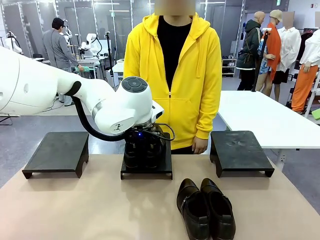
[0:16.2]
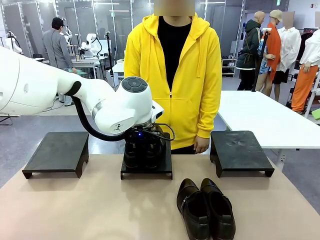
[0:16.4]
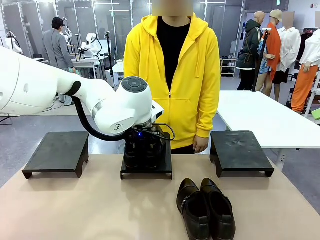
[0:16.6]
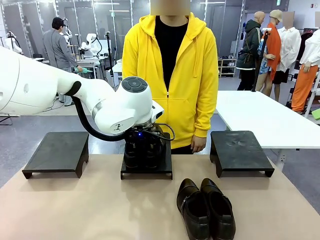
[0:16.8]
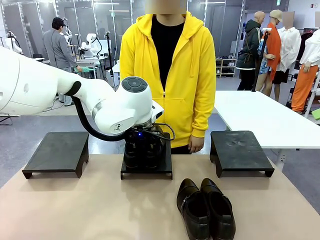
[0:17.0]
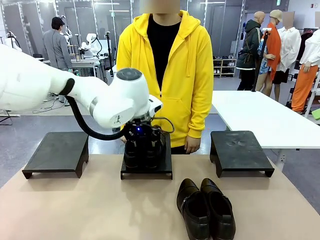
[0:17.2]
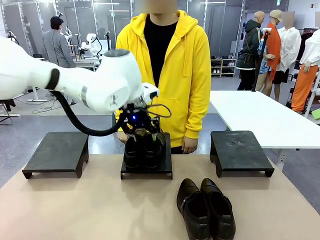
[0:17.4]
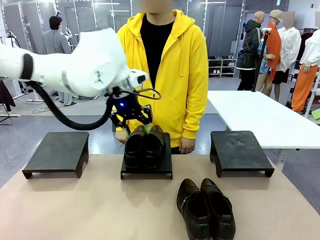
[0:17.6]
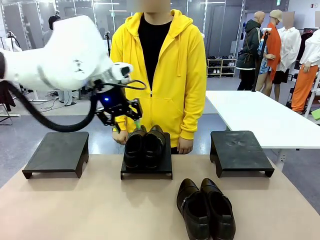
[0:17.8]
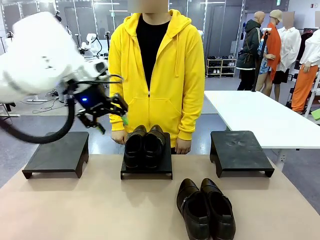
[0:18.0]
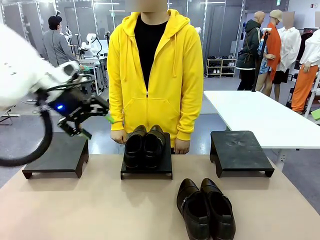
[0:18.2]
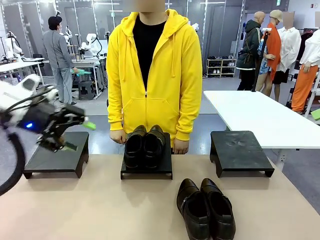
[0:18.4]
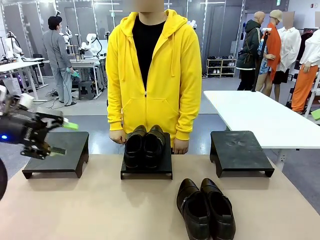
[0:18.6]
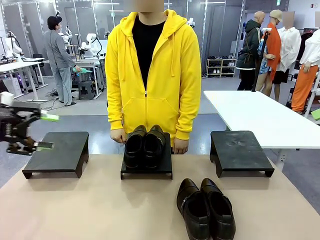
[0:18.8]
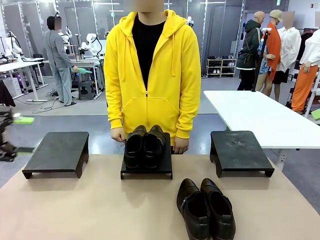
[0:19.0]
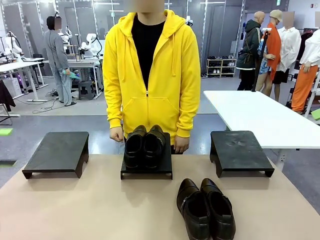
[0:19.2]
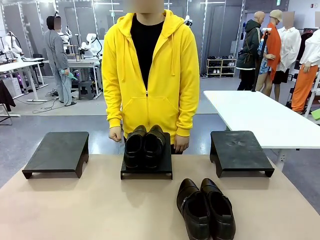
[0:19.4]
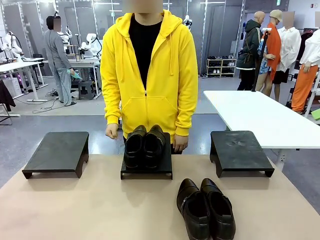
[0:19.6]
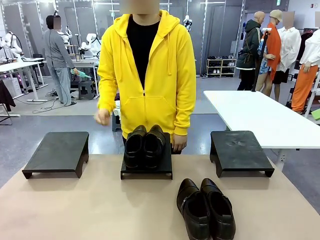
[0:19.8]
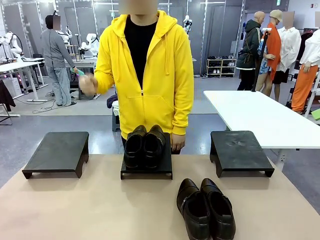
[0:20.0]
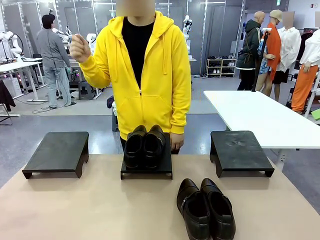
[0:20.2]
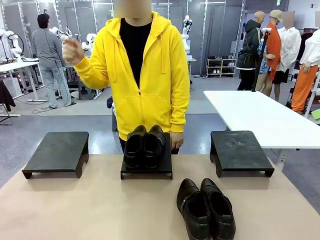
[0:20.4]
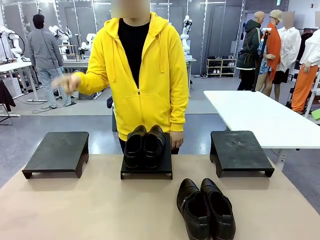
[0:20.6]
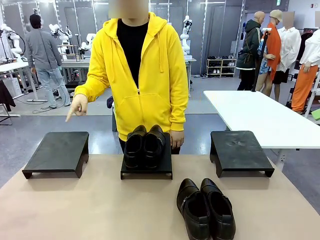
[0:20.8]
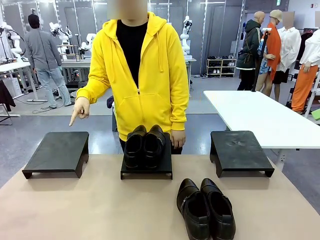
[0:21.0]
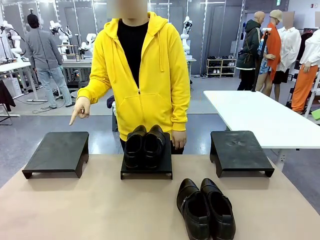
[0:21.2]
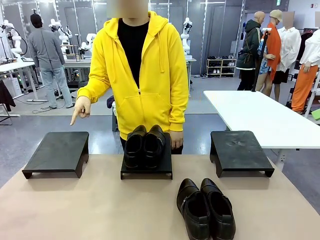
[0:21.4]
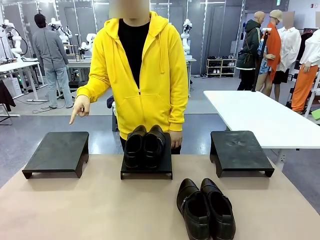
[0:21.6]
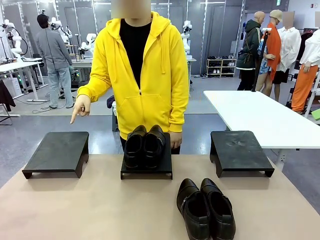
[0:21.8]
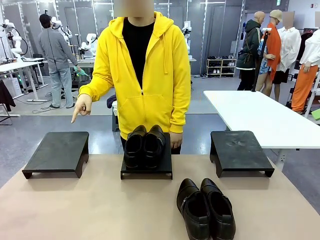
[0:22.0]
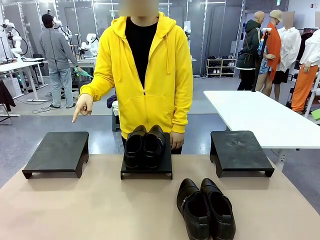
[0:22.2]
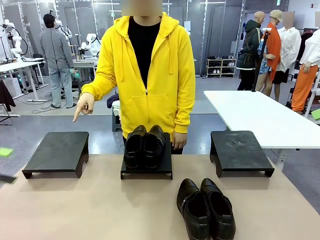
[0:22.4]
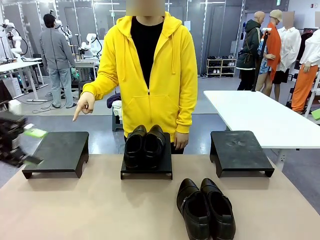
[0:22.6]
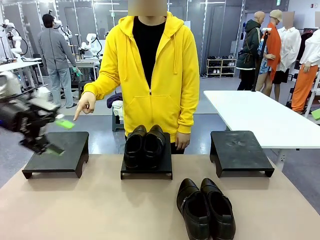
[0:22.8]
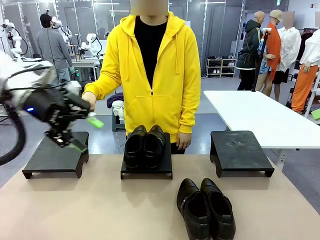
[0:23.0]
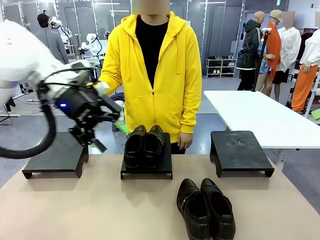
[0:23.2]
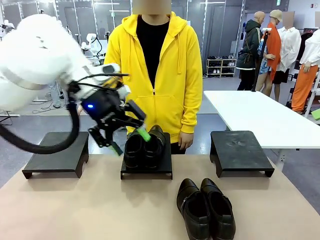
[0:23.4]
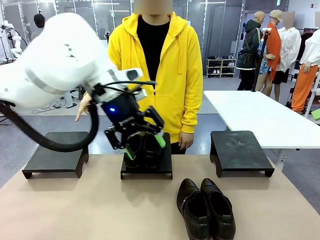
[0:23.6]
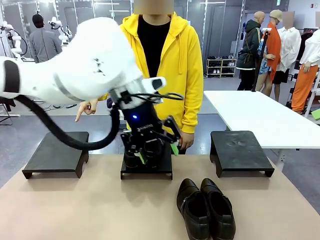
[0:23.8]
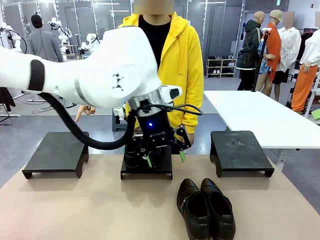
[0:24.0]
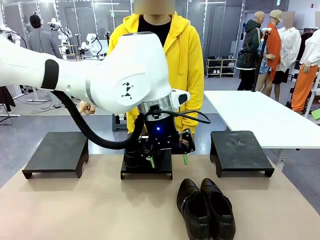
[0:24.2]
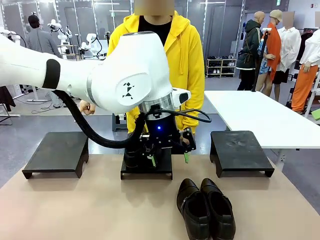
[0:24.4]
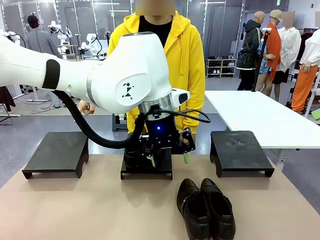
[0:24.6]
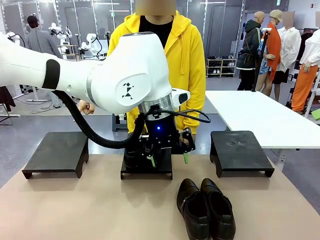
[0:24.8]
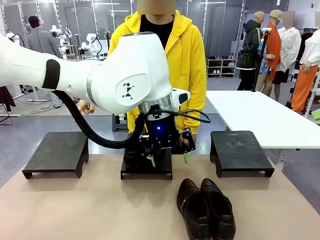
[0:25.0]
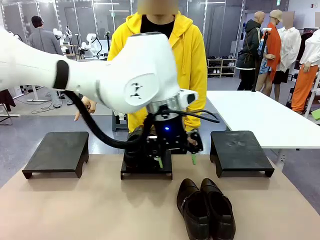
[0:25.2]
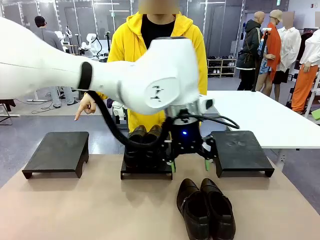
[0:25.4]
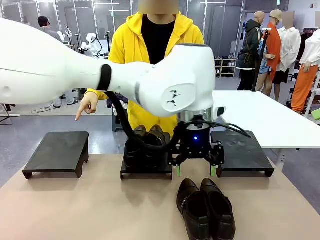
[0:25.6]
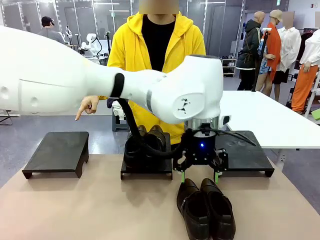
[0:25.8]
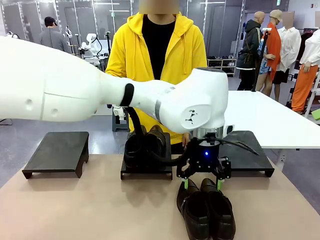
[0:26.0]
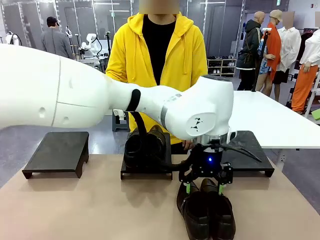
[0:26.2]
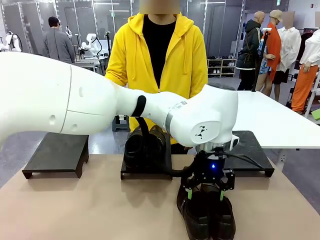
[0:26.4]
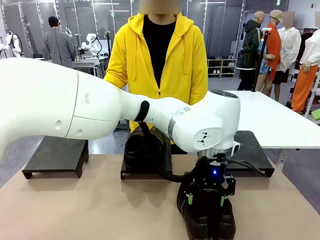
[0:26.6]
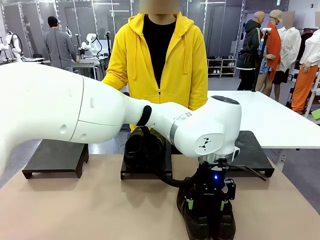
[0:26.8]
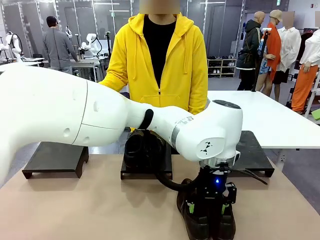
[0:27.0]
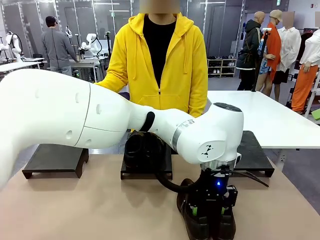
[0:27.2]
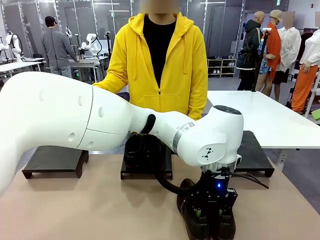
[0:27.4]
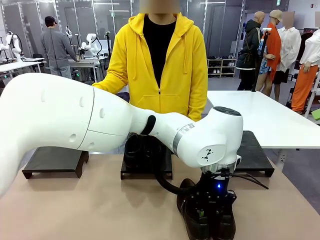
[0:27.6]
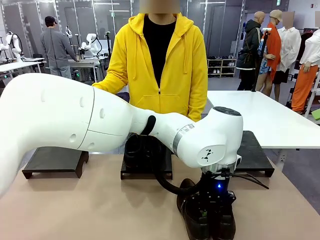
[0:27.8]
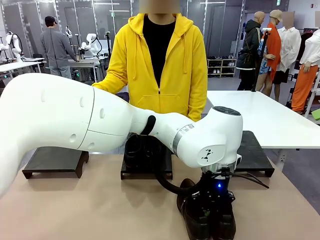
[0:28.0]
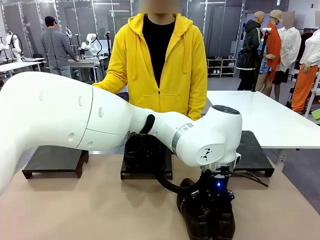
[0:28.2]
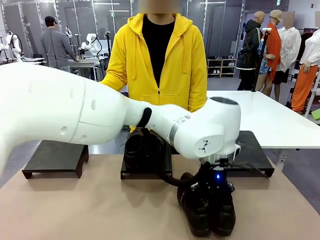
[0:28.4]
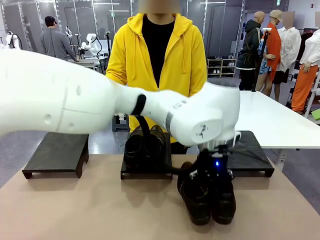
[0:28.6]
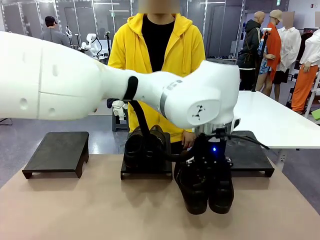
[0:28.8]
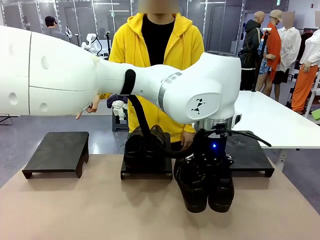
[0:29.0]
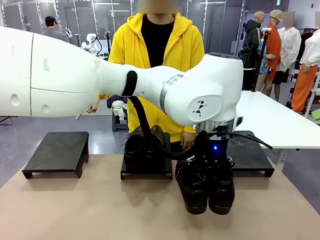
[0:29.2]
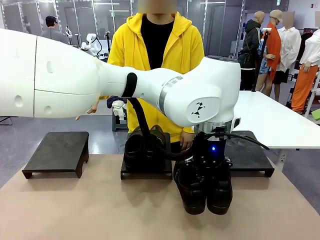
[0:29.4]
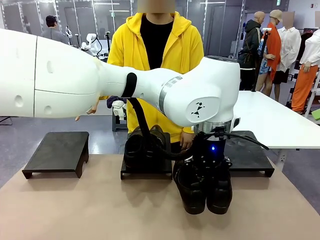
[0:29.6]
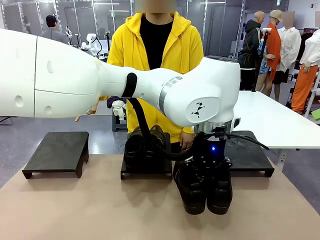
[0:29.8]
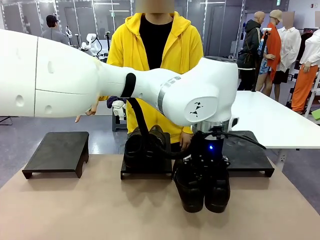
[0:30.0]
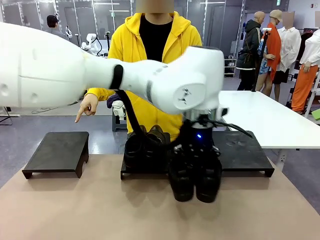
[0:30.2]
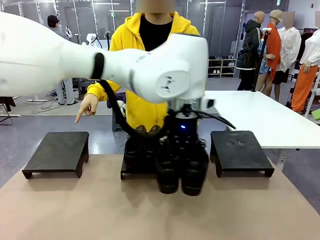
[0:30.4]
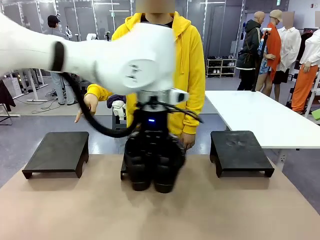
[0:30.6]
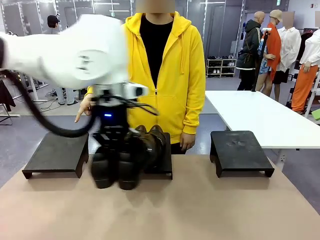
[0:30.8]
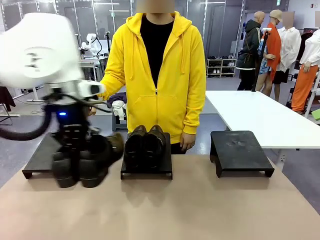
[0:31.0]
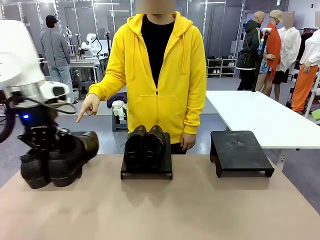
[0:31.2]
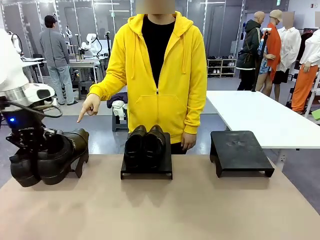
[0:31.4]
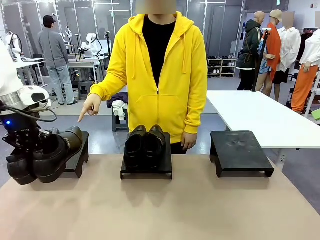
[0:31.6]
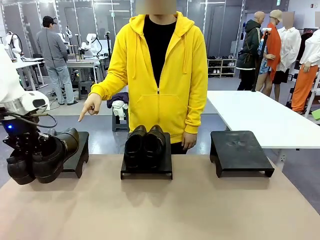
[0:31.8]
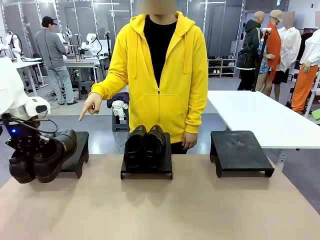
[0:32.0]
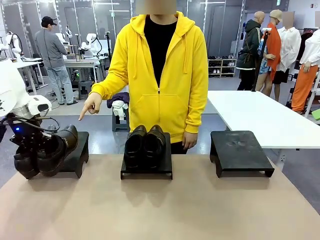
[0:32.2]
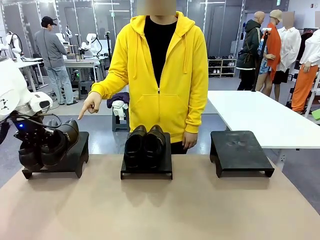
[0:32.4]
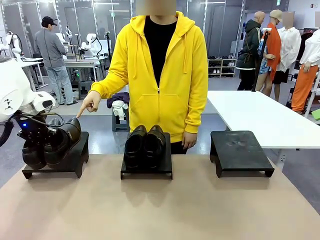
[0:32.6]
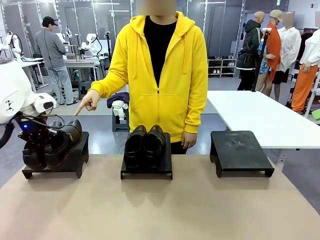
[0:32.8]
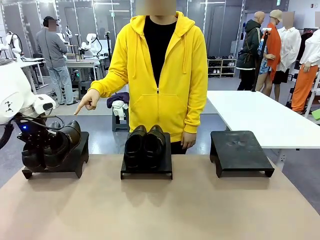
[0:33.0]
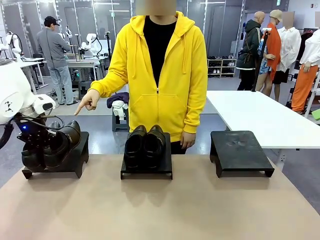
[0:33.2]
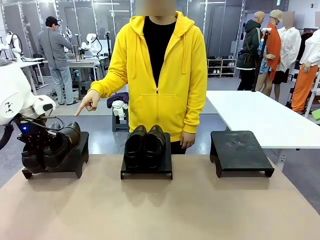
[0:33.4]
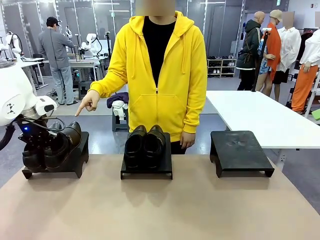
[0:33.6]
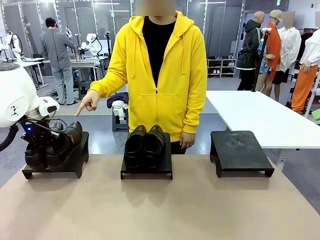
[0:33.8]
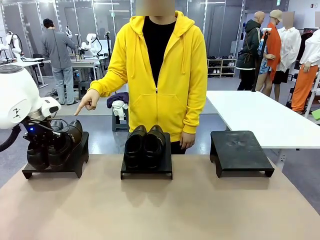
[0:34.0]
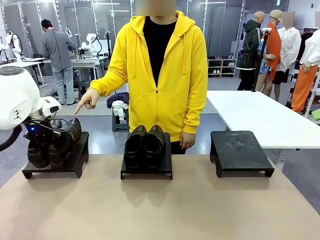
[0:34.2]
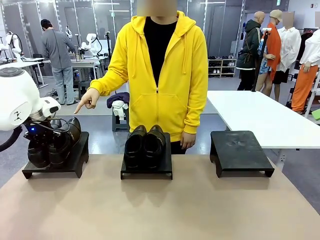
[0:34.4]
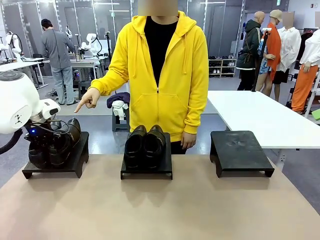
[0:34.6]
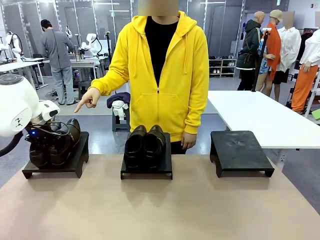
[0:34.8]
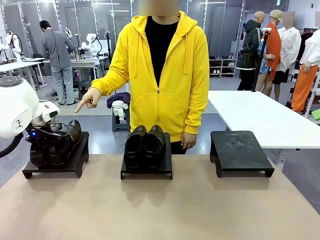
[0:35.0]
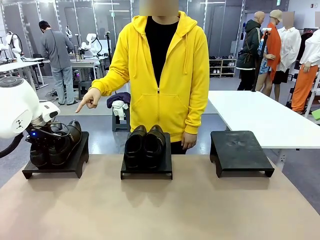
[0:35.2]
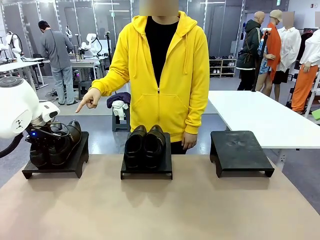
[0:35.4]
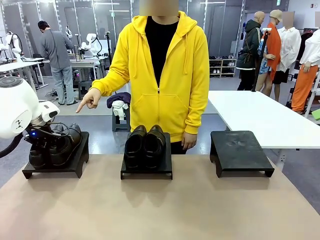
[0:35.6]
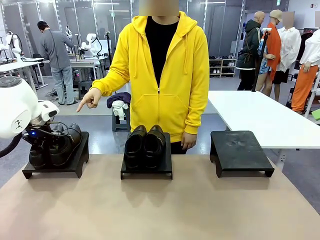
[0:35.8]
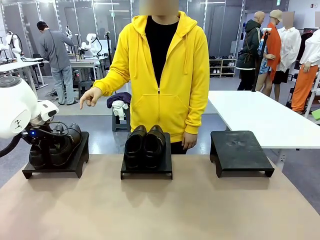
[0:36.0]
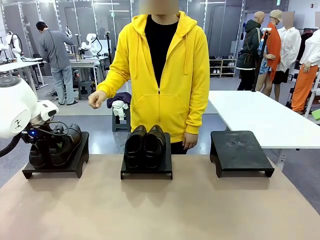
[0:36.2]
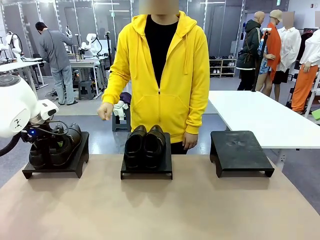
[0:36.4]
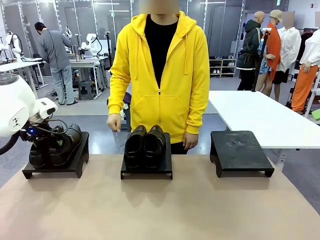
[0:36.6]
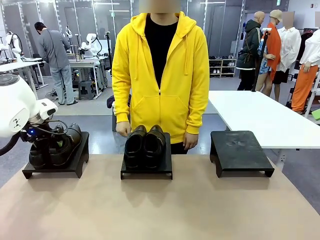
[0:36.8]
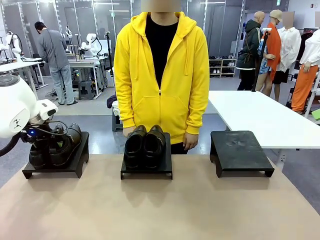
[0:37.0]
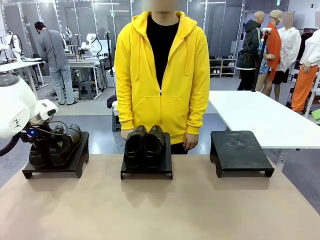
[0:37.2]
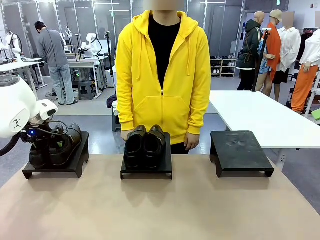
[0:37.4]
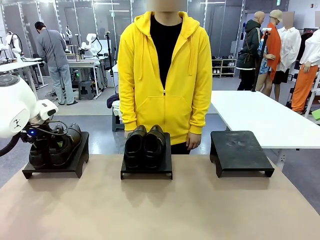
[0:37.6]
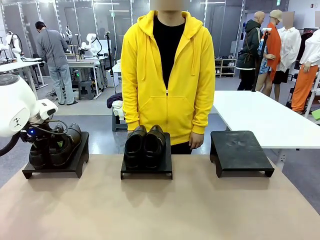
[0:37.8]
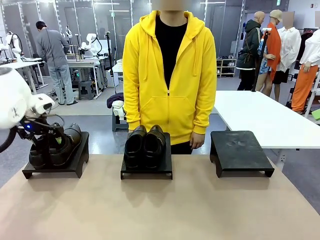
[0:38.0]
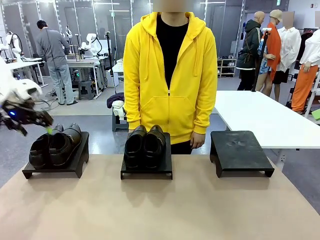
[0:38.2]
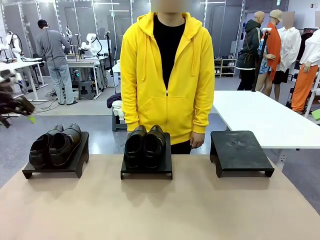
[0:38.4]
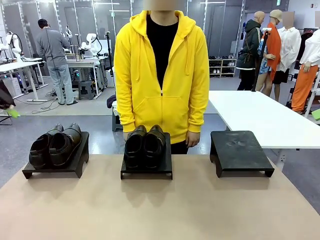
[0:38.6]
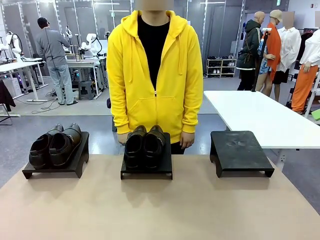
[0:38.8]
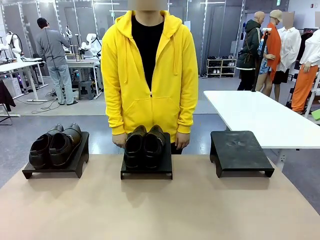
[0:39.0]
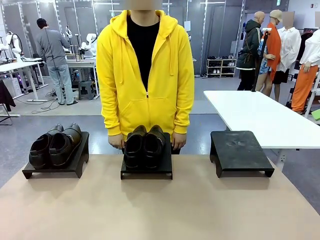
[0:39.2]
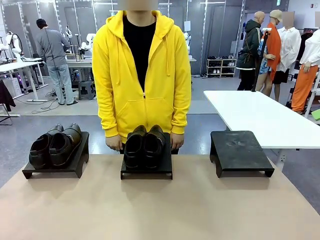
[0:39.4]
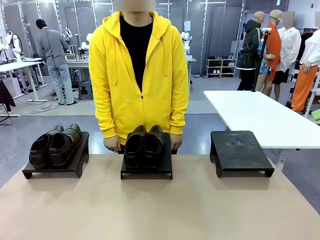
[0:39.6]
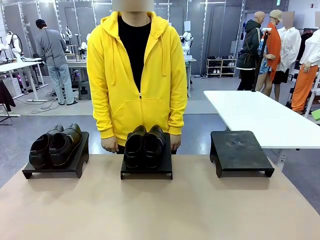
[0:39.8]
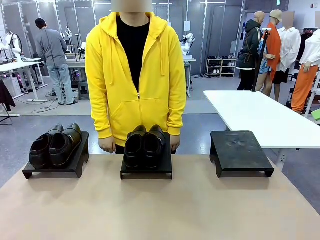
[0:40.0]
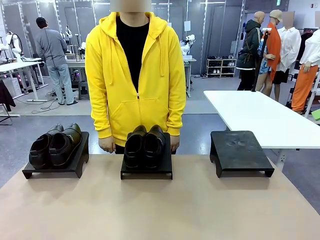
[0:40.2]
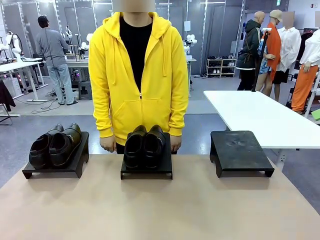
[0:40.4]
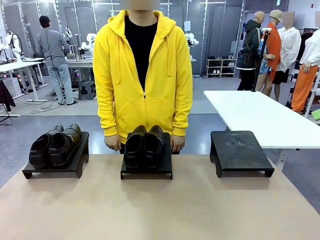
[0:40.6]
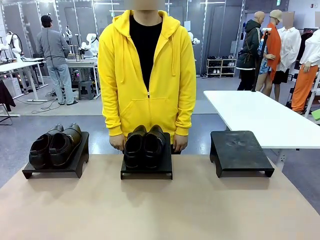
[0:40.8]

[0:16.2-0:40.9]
Task: Place the shoes on the stand as instructed by the person.
Robot: Pick up another pair of Shoes and place it on the Shoes Stand indicated by the person.
Person: Point to one Shoes Stand.
